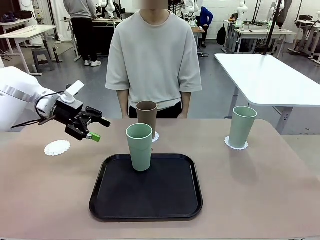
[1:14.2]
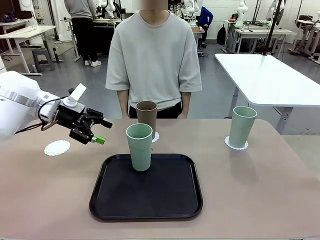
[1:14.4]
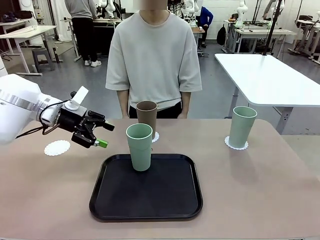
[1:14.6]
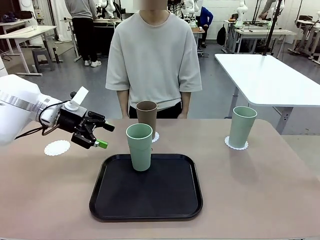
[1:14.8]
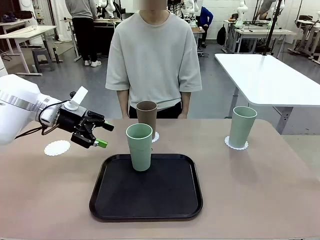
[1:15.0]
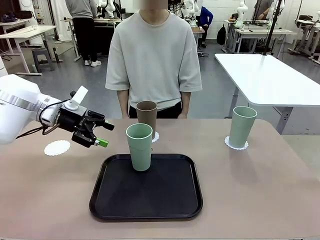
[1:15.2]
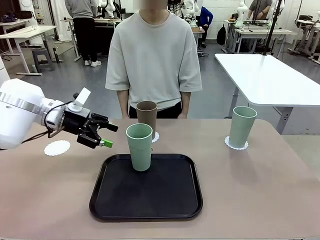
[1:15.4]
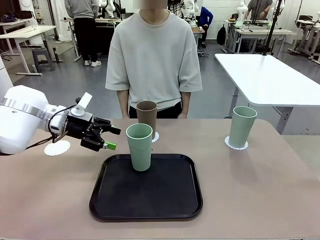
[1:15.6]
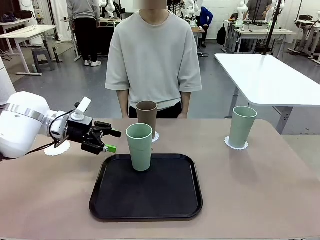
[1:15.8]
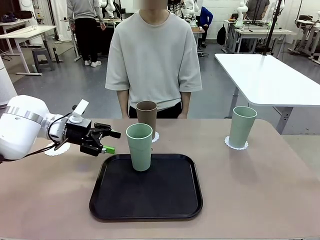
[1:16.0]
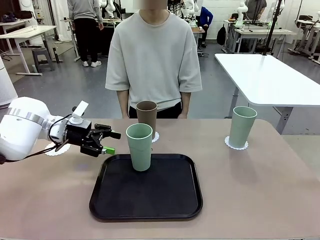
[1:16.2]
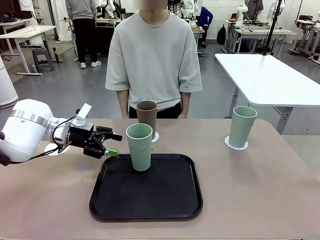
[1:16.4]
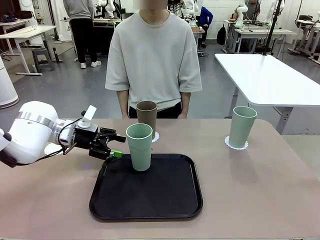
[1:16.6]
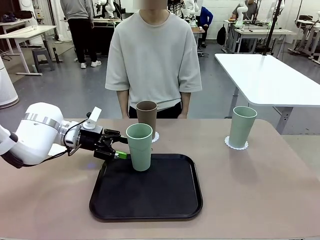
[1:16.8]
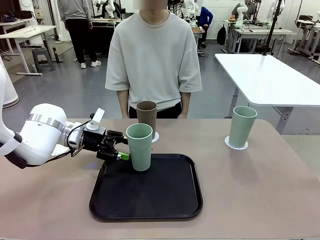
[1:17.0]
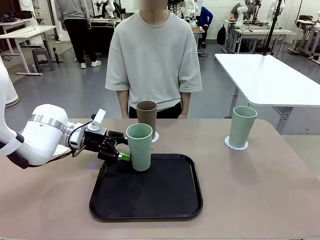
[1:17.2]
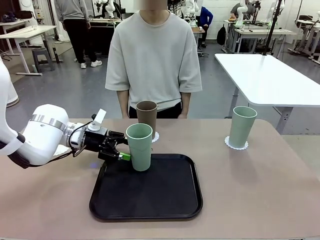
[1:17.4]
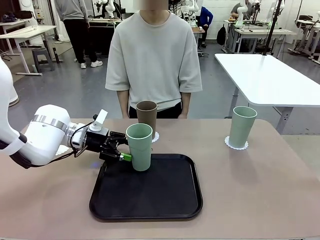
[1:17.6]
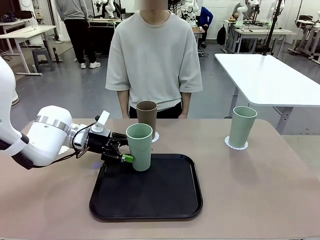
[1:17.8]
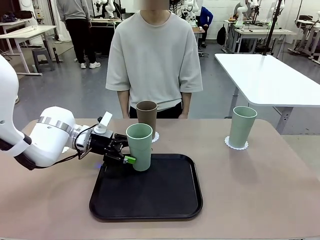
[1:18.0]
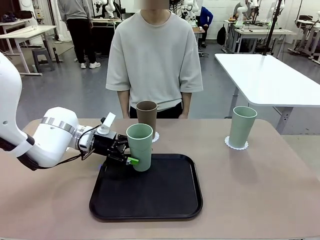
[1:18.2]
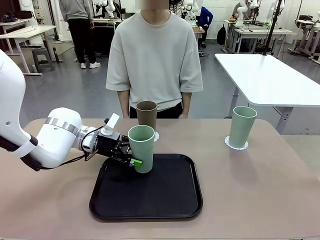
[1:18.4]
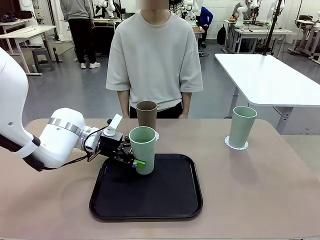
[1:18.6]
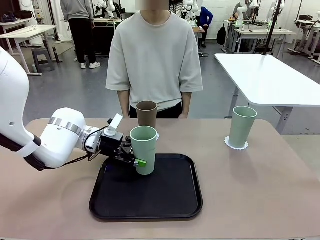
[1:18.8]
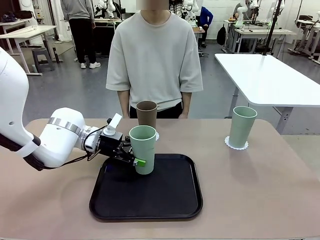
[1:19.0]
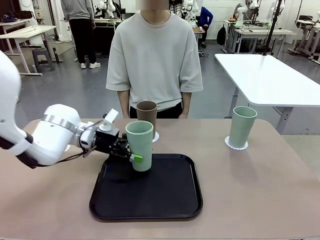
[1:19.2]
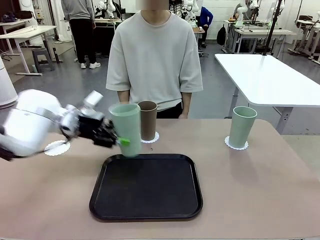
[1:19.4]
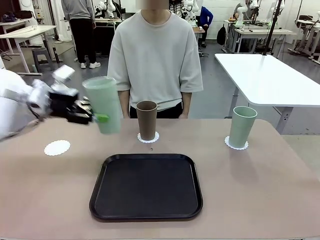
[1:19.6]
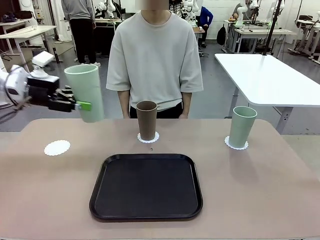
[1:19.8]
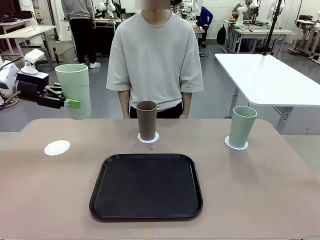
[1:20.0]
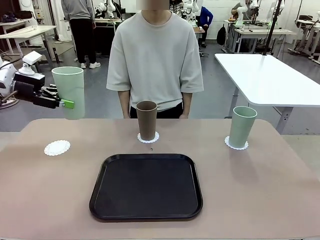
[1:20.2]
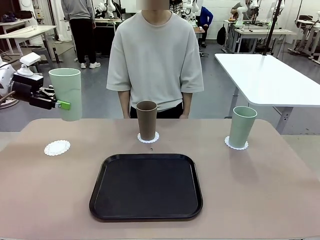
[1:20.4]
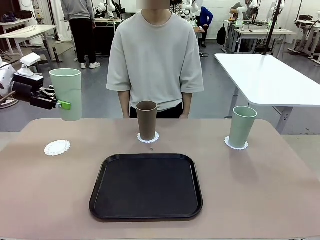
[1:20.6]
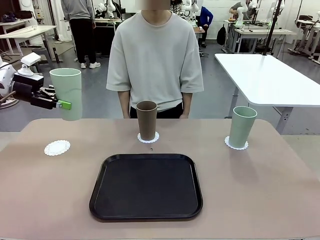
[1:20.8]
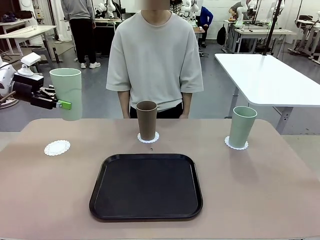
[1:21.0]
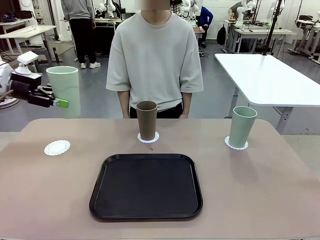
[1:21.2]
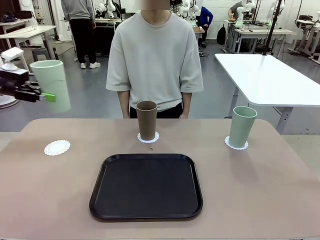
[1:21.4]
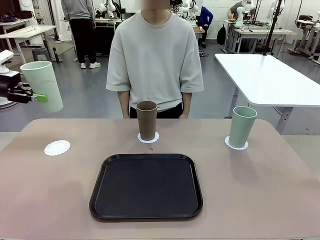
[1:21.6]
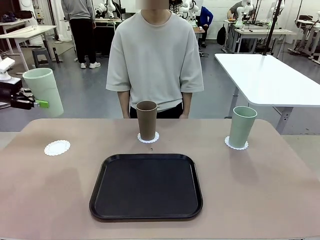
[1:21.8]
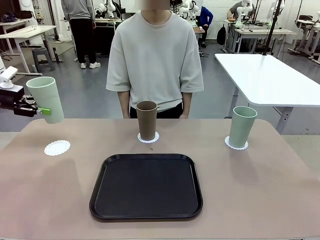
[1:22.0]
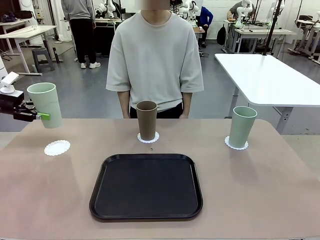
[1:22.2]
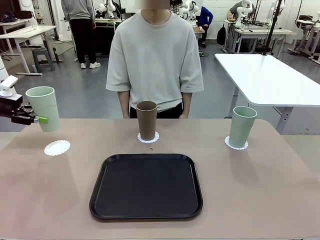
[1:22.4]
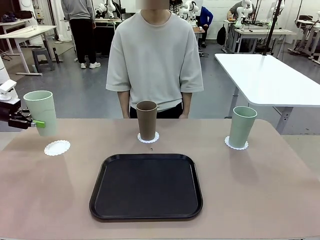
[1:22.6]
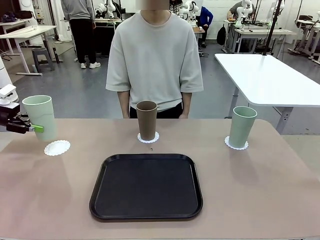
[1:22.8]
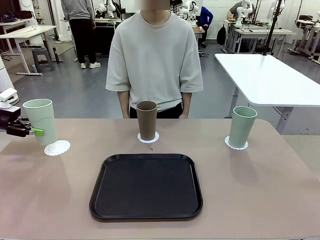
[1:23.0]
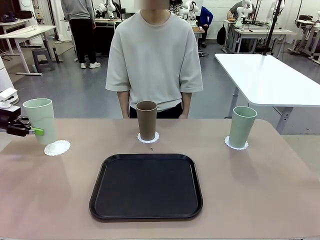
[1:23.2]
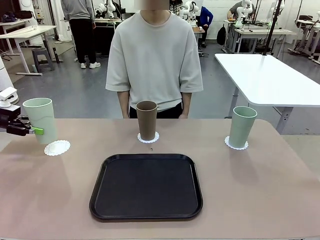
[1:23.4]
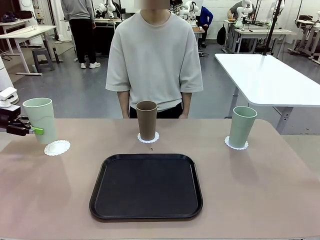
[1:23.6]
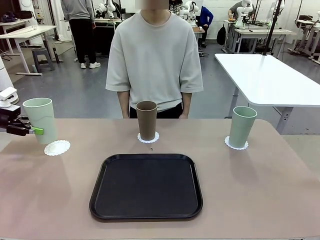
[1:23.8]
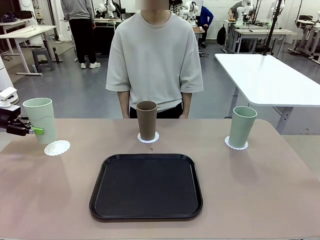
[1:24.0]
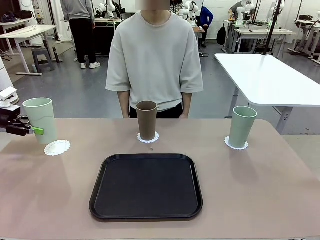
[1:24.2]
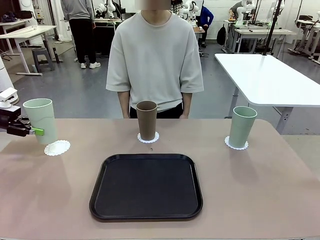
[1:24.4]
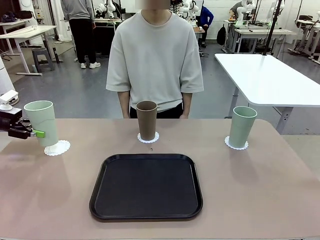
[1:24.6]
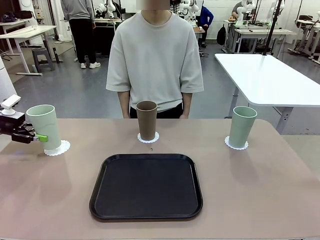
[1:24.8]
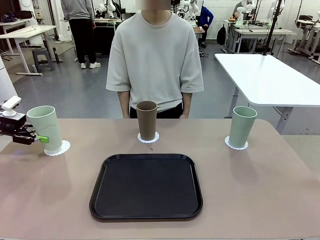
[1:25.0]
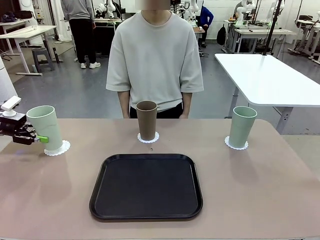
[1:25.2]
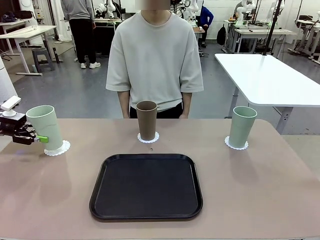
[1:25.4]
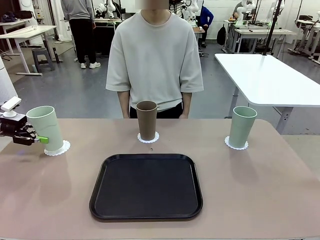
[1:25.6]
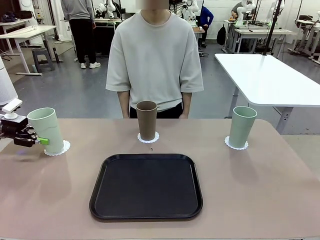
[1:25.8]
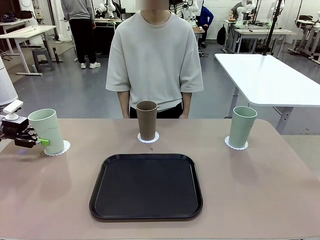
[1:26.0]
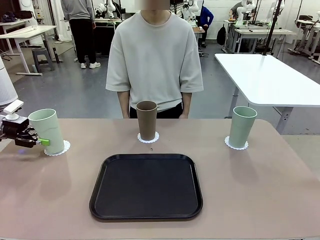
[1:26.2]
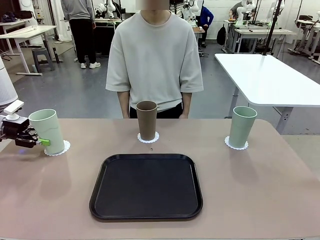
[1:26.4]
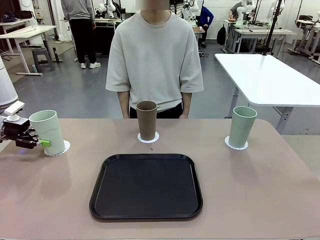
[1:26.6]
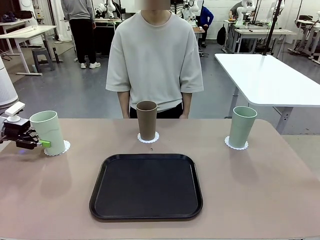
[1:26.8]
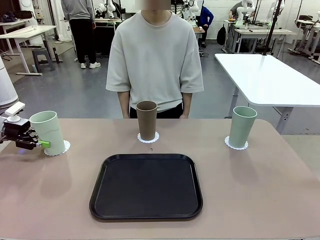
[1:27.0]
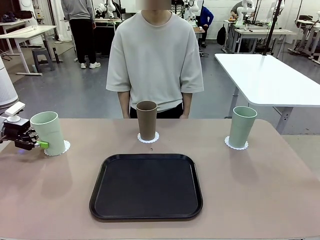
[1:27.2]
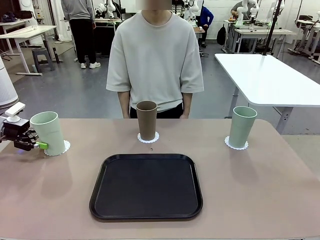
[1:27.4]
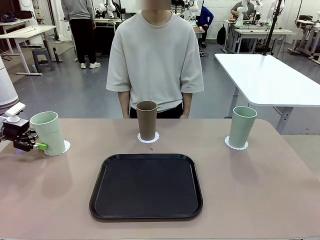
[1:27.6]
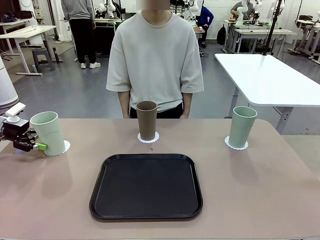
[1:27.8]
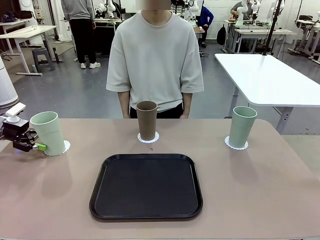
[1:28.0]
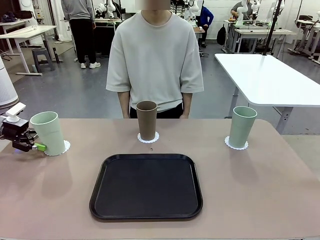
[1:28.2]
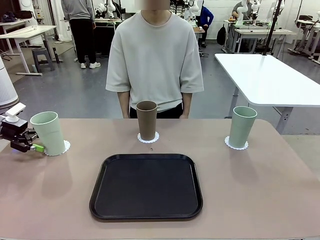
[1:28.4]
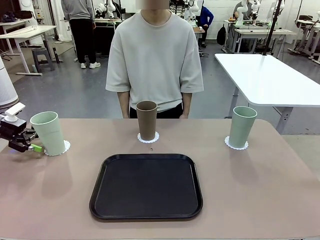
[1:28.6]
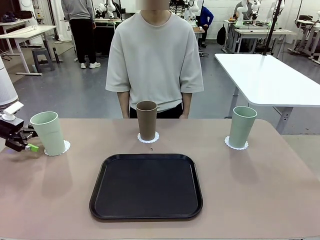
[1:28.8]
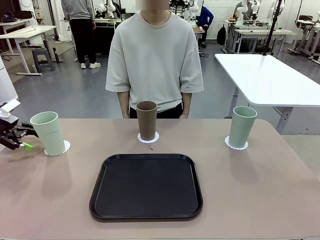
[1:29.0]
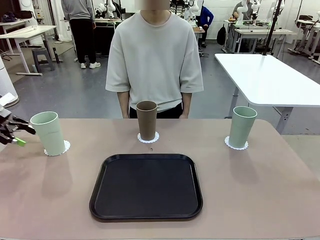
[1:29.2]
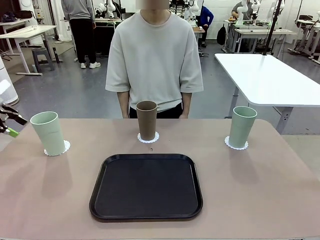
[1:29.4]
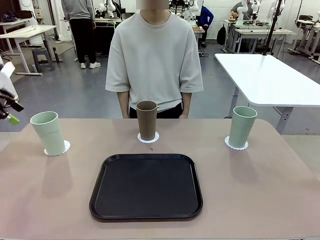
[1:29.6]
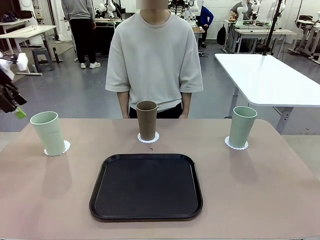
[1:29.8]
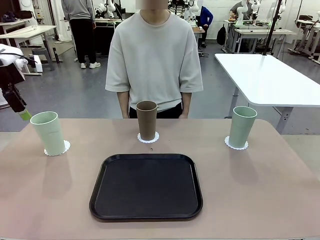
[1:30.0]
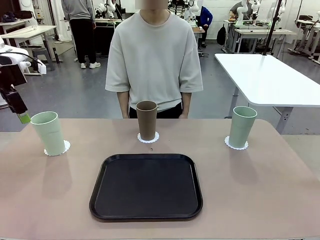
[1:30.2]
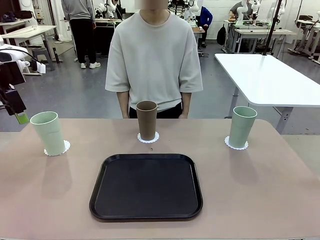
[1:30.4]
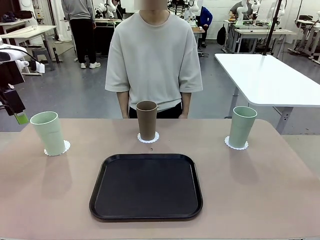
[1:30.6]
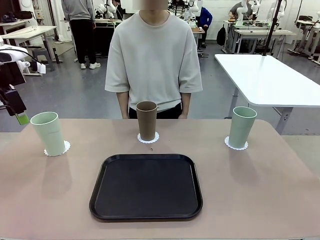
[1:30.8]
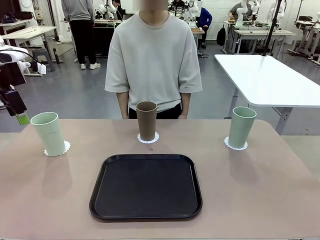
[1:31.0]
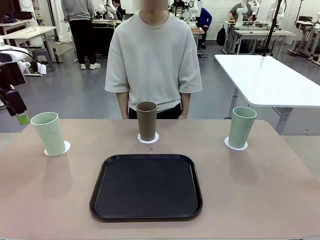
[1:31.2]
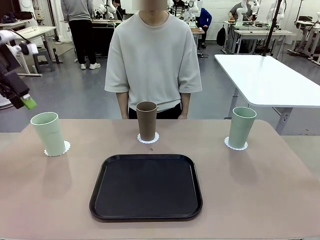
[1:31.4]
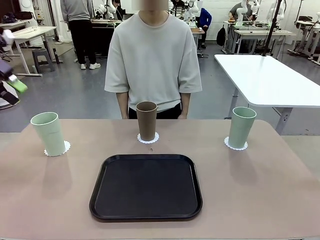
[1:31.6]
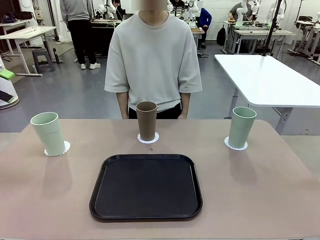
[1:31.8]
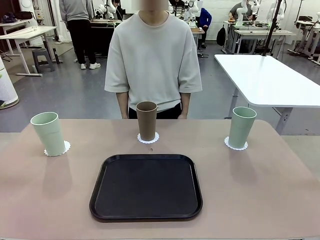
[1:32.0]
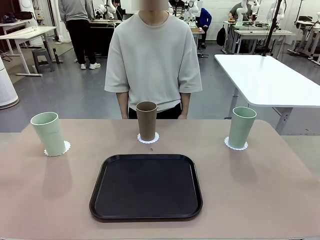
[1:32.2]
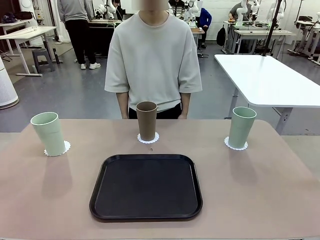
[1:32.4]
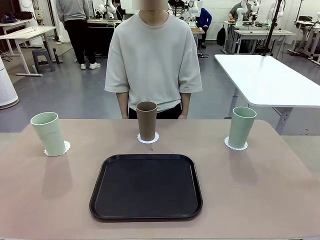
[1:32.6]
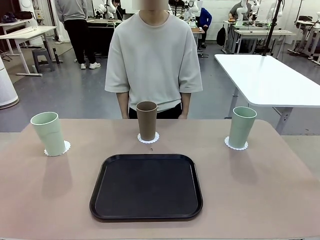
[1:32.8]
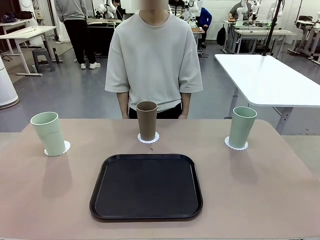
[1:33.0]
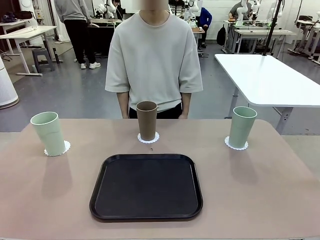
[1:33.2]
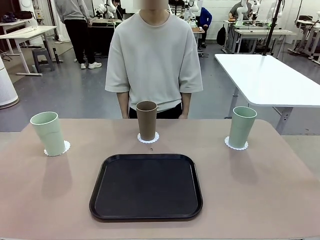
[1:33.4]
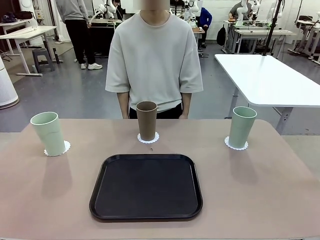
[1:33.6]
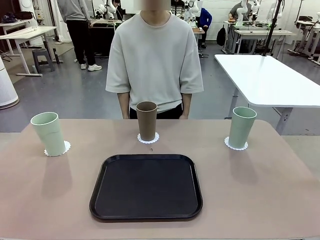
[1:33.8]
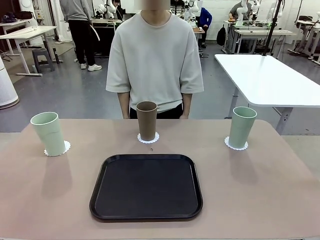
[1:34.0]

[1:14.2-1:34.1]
Task: Place coasters on the table and set cups on them.
Robot: Take one Reusable plastic cup from the Flat Tray and place it on a coaster set by the human.
